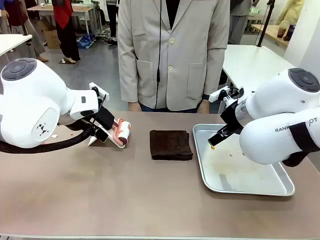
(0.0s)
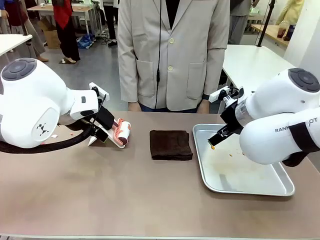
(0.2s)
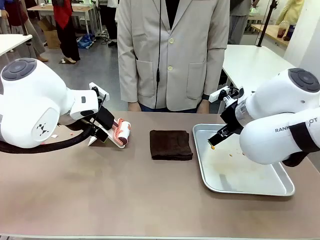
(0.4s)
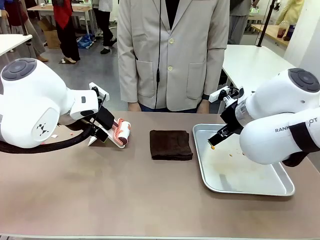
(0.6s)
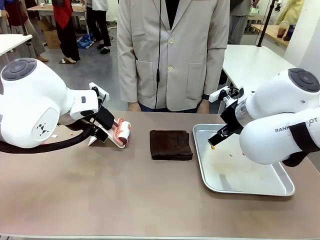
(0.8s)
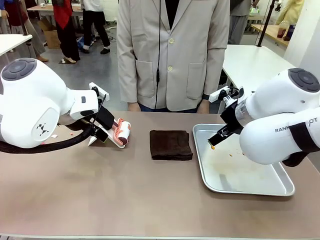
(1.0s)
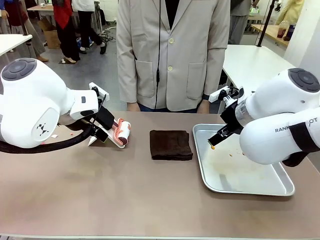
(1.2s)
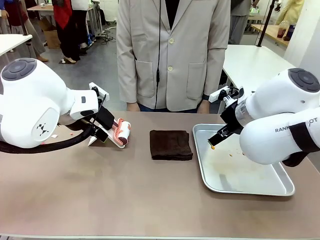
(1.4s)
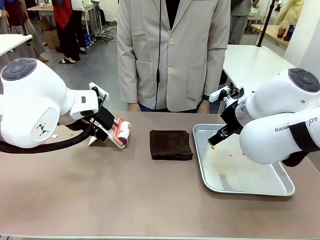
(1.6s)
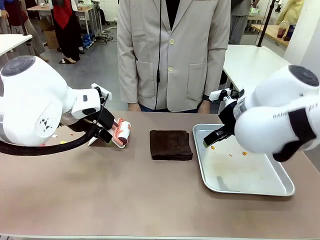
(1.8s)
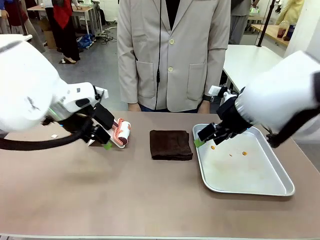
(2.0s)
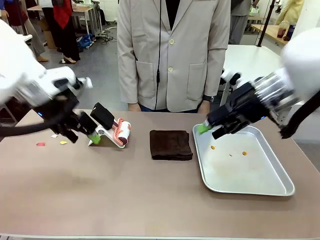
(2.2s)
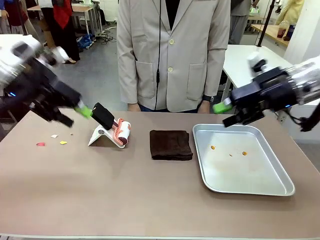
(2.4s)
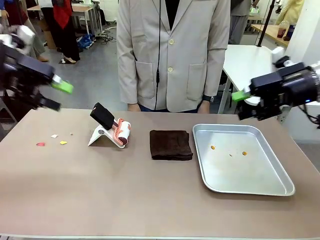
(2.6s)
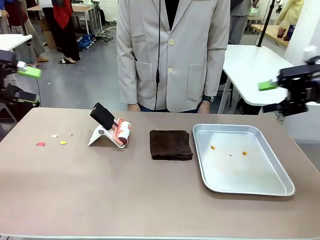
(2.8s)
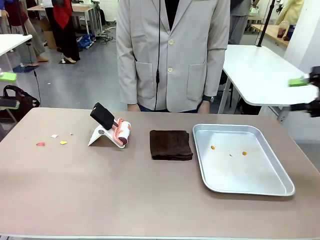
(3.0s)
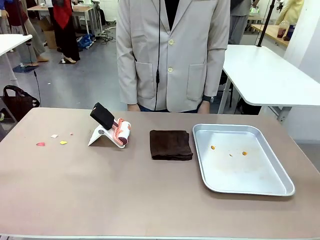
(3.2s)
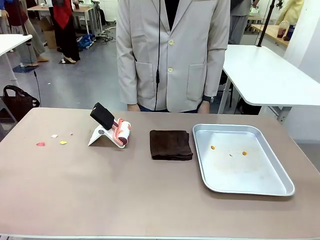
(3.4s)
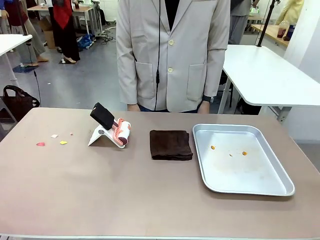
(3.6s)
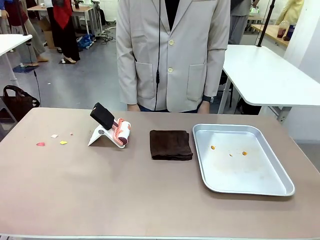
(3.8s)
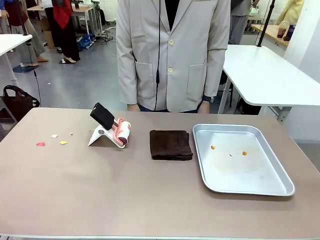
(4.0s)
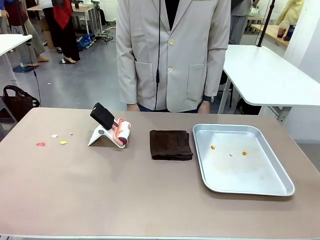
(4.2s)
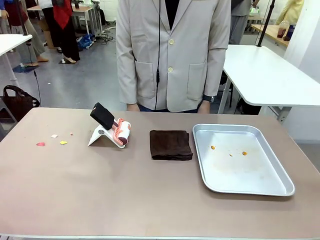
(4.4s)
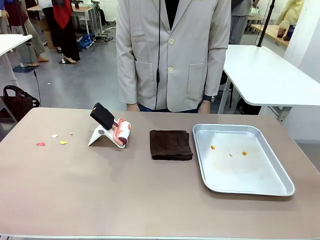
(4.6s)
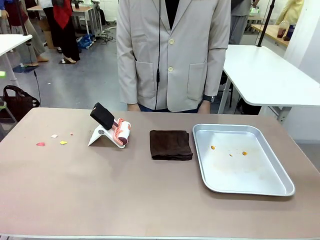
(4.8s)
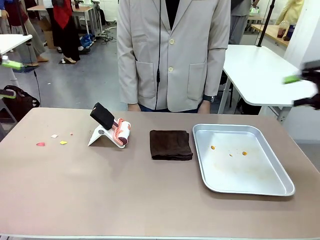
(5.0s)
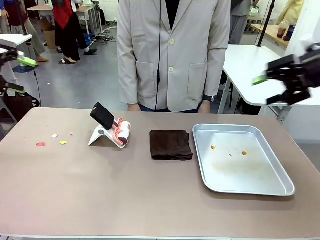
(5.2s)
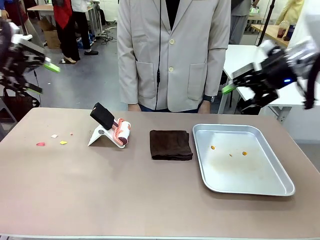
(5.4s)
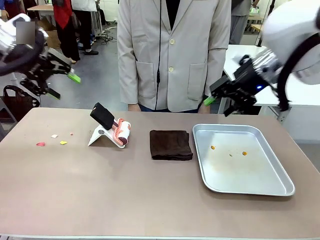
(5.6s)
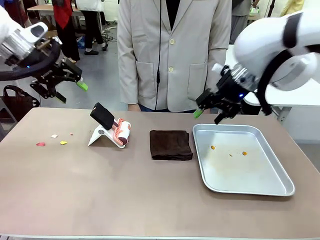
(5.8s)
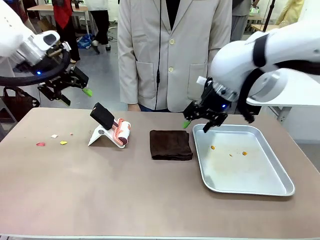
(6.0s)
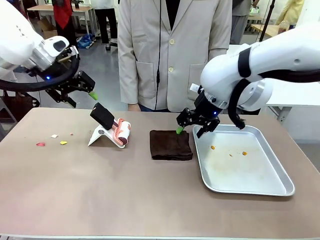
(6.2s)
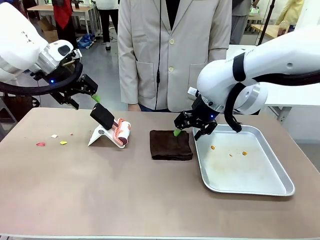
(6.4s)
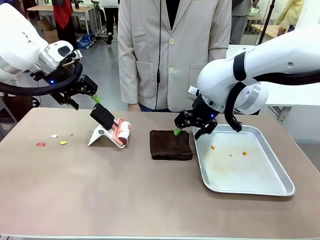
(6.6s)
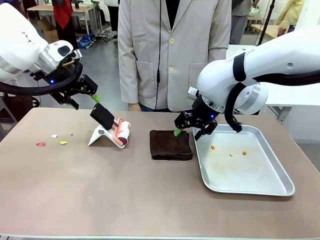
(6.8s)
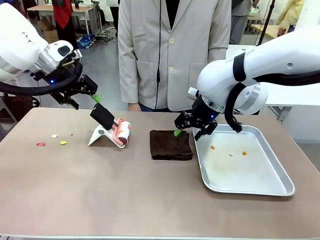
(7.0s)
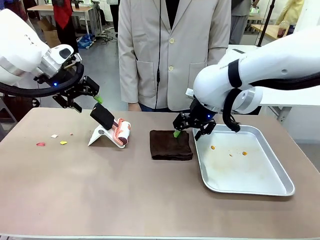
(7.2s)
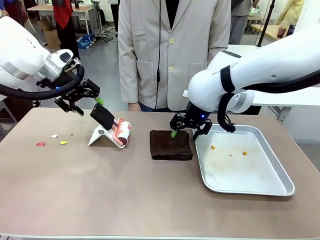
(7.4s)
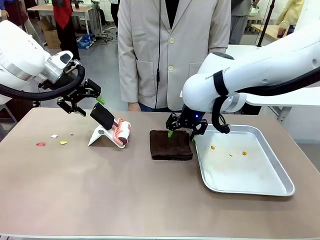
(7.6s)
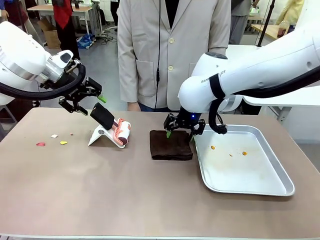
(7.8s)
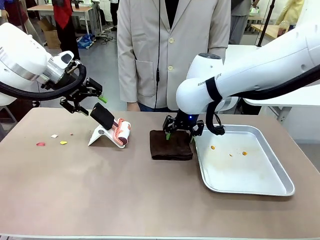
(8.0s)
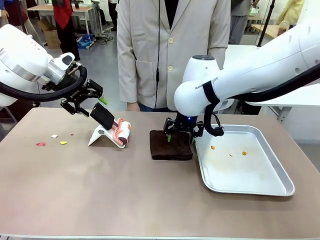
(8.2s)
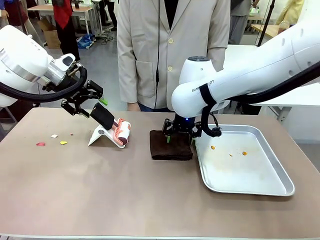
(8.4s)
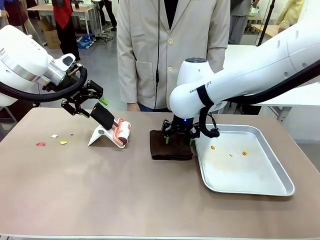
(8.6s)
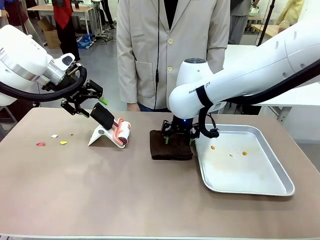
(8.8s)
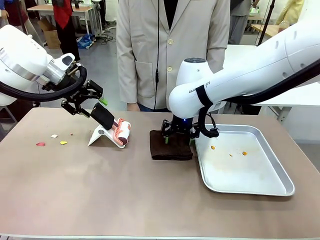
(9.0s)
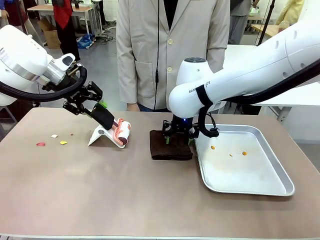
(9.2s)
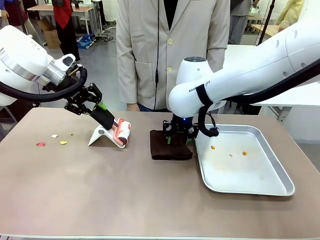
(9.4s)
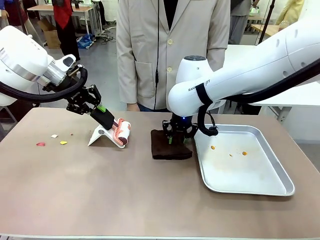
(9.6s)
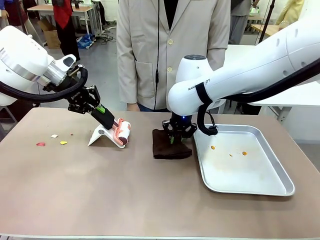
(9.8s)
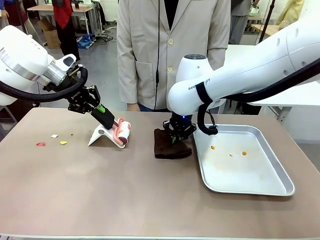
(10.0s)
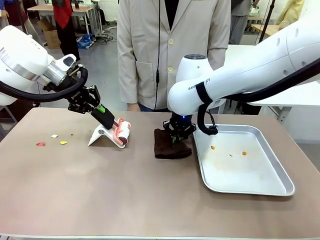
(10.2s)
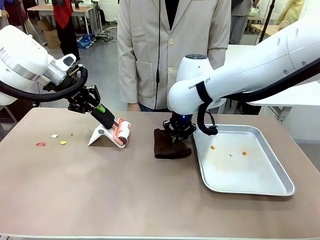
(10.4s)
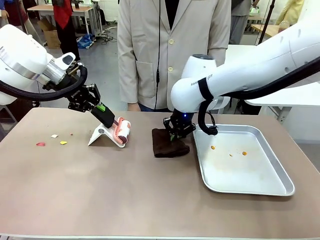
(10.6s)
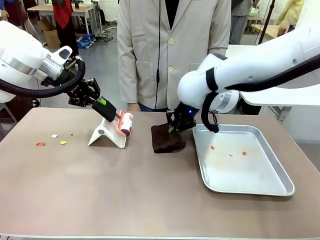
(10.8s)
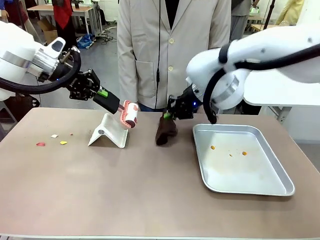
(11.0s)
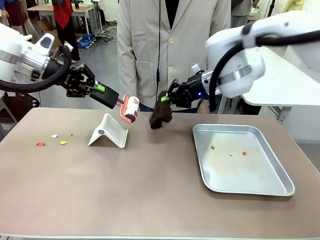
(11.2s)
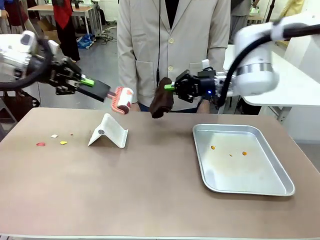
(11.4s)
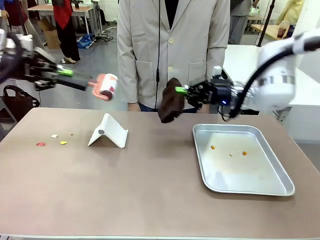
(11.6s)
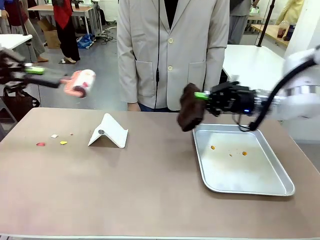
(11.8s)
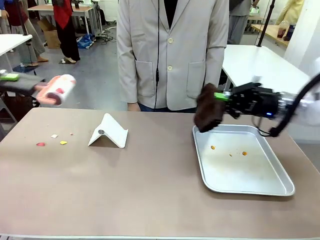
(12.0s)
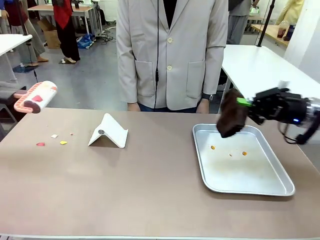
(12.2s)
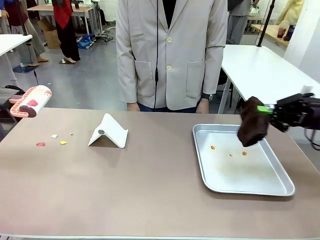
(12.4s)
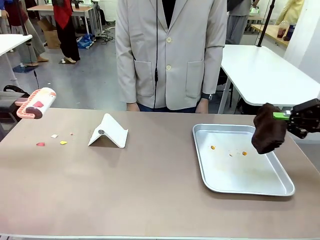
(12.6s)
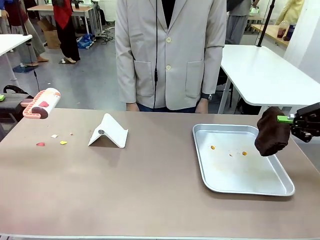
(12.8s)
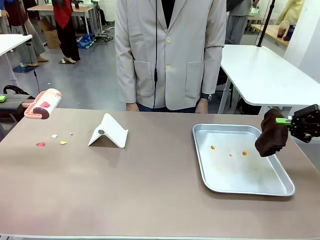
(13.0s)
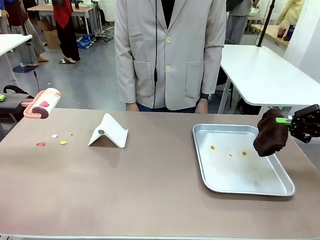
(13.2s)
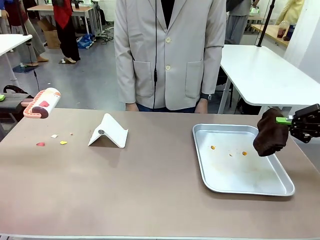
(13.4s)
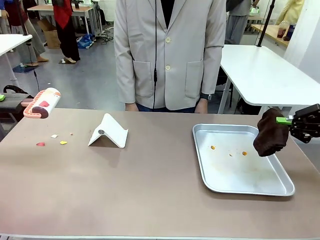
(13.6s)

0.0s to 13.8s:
Task: Clean the surface of the table.
Robot: Hold the Lint Roller with your left hand and the towel with your right hand.

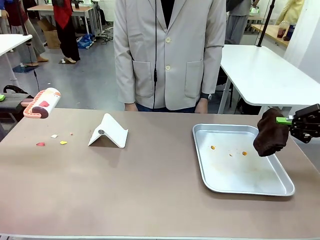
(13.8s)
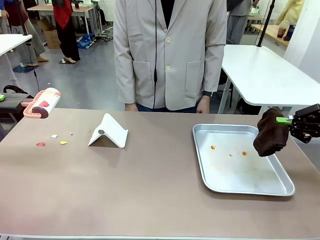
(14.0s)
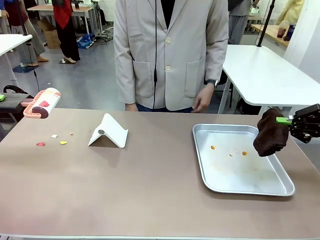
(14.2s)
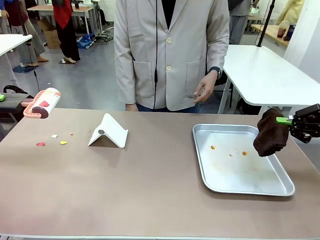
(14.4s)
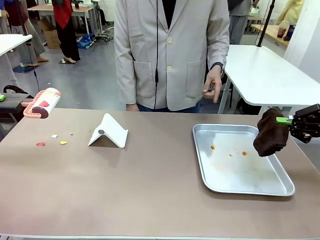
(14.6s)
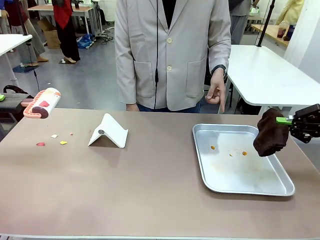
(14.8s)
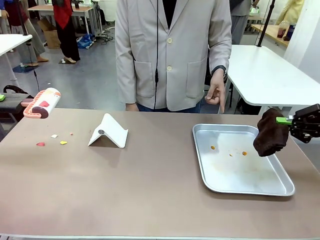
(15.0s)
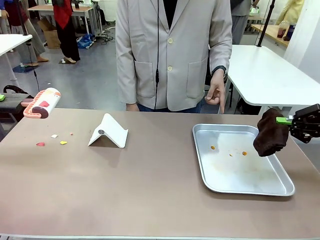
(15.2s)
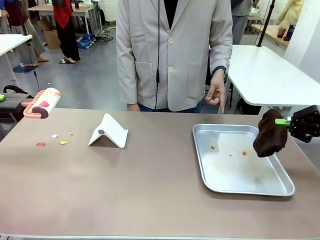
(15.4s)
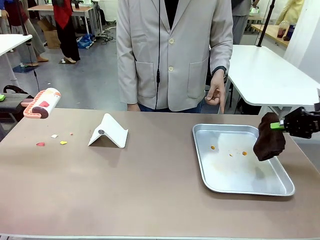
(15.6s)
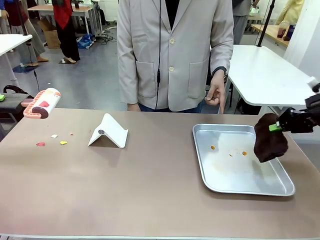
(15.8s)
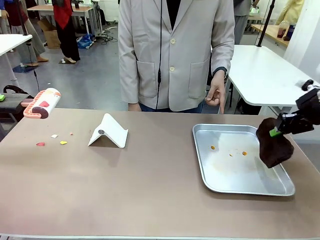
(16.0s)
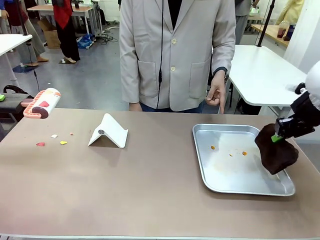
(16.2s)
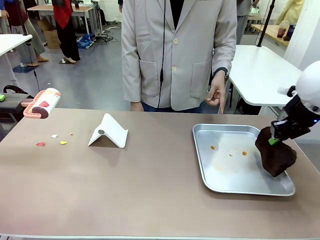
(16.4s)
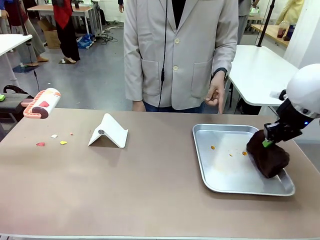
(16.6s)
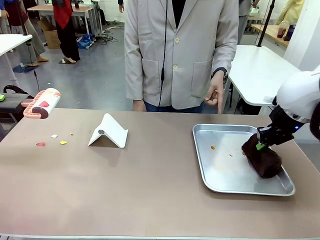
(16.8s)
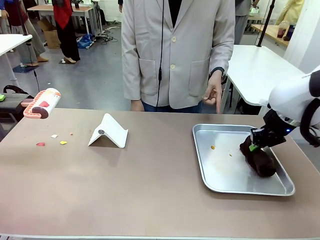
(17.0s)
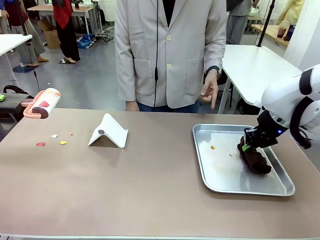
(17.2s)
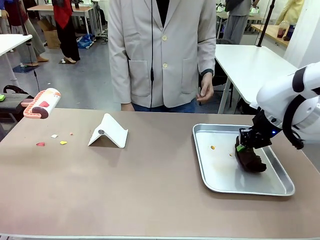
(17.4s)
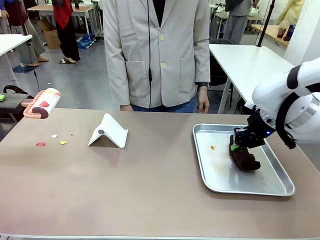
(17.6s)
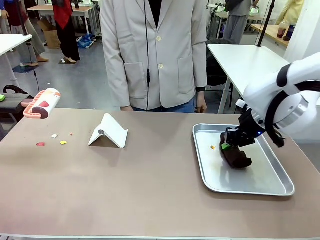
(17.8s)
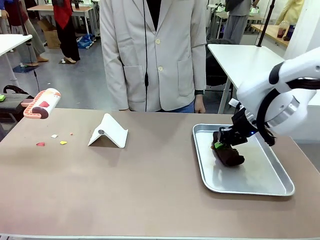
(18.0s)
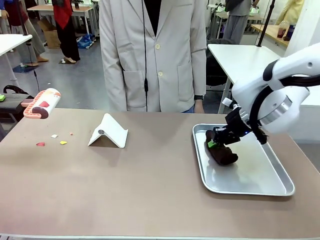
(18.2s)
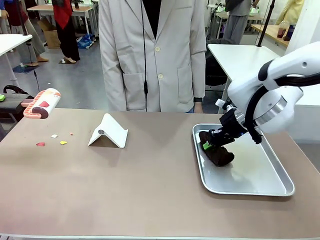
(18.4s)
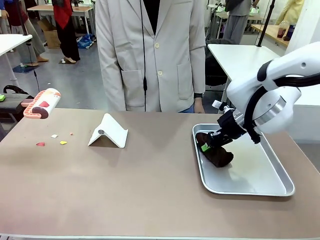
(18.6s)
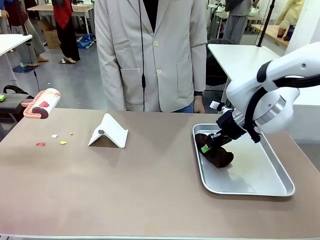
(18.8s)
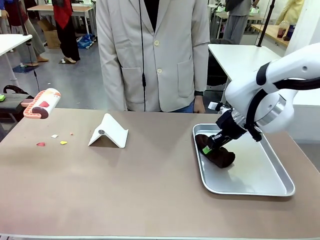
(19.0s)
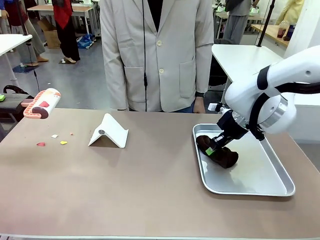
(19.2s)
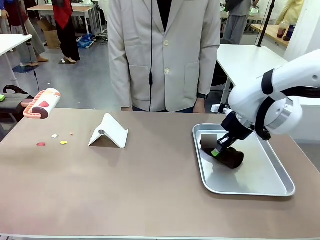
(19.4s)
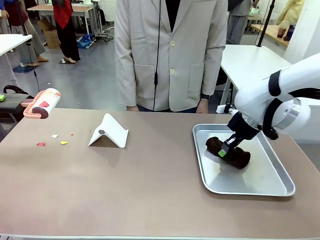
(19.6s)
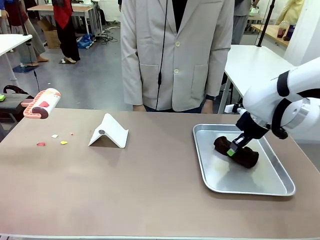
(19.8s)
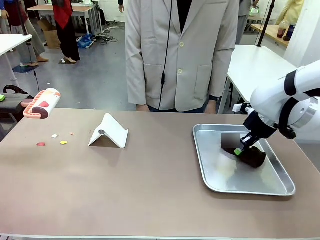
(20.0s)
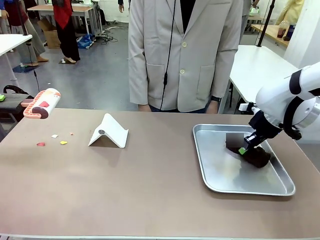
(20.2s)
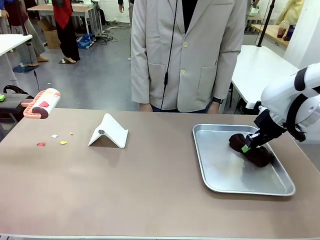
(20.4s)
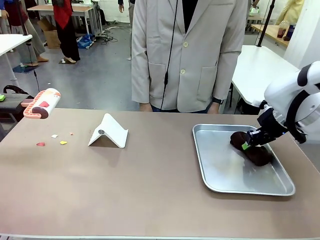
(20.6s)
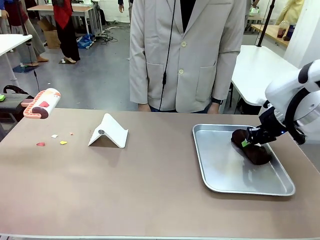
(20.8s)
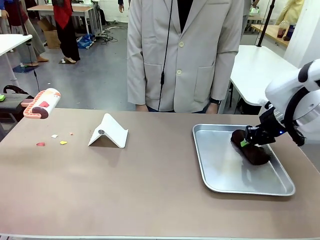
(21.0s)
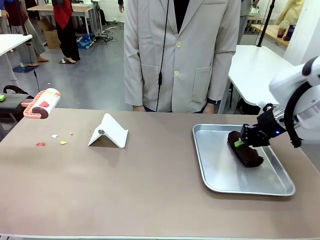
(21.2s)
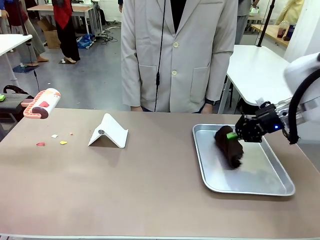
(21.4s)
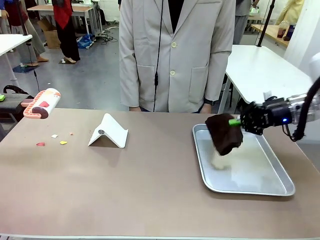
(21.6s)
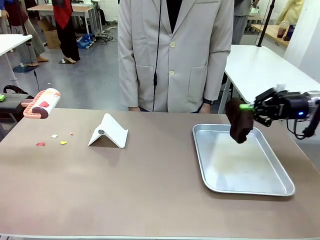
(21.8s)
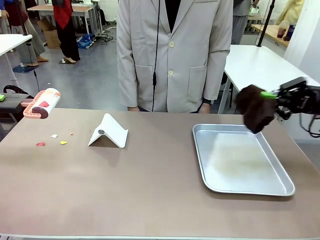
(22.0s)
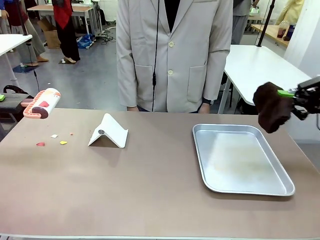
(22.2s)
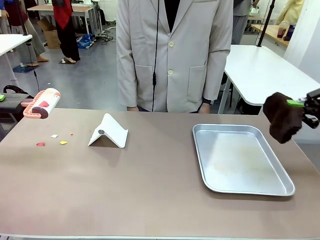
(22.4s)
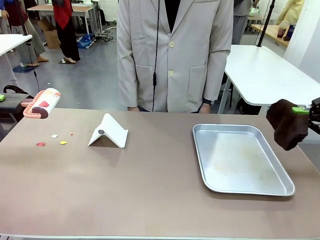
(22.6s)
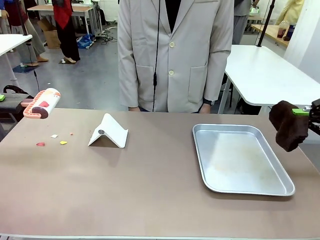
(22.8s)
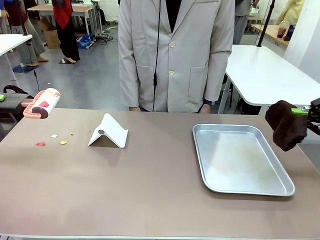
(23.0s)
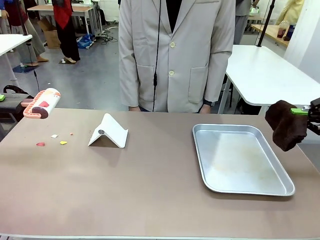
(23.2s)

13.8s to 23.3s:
Robot: If a person points to the right, clean the right side of the table with your right hand, and if they point to the left, clean the left side with your left hand.
